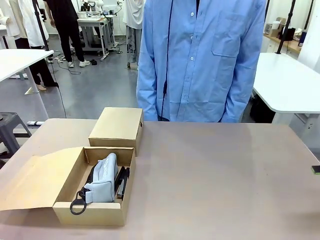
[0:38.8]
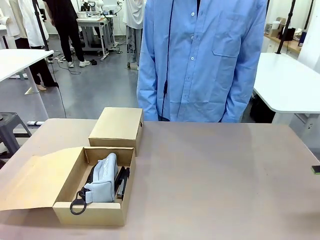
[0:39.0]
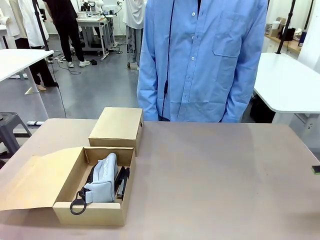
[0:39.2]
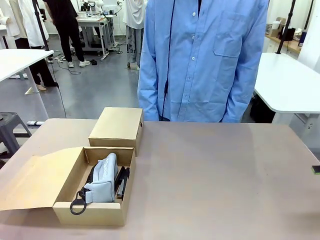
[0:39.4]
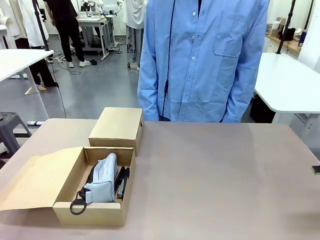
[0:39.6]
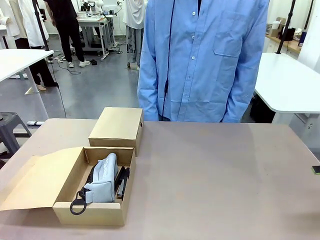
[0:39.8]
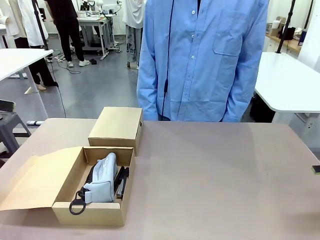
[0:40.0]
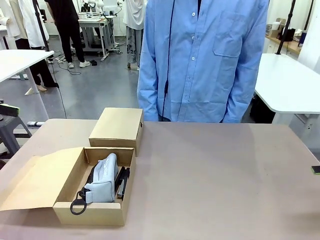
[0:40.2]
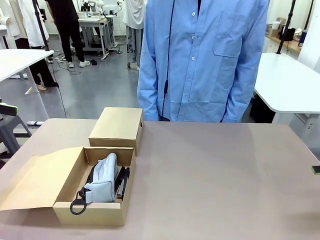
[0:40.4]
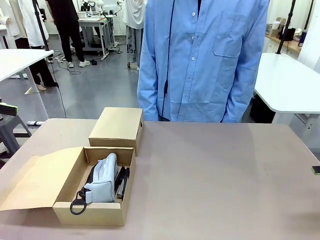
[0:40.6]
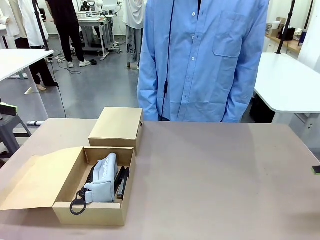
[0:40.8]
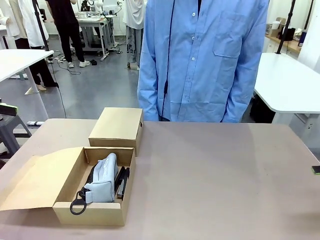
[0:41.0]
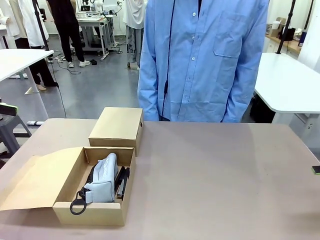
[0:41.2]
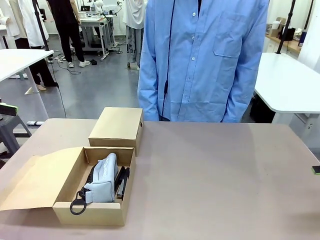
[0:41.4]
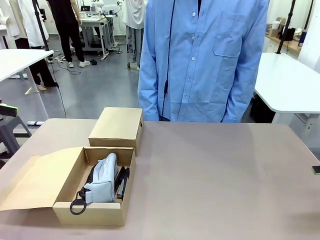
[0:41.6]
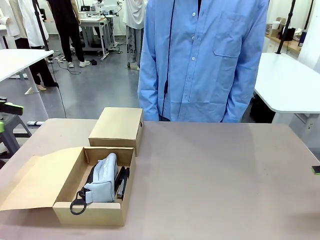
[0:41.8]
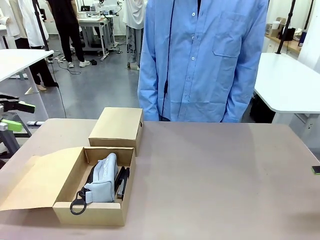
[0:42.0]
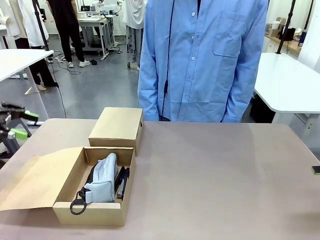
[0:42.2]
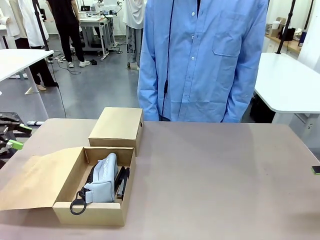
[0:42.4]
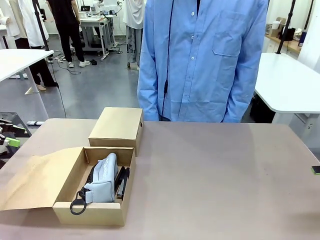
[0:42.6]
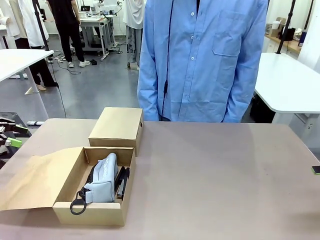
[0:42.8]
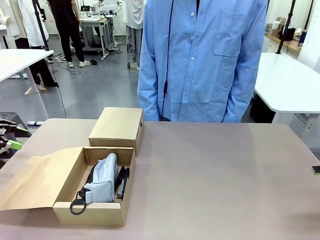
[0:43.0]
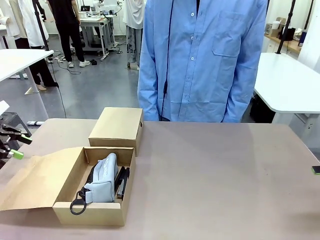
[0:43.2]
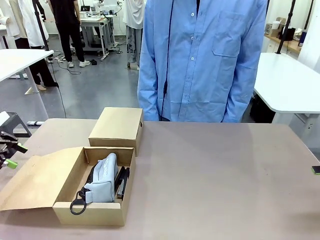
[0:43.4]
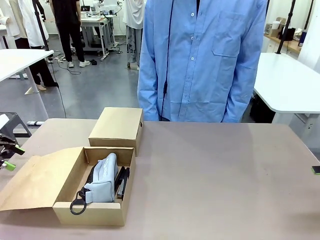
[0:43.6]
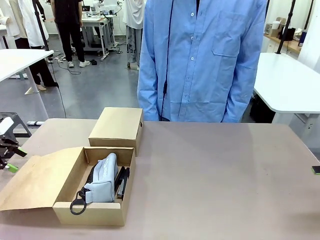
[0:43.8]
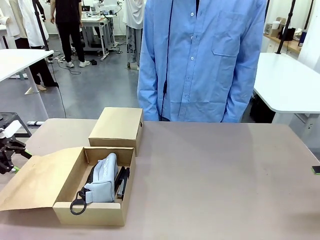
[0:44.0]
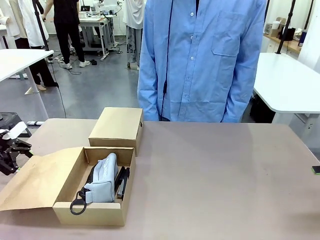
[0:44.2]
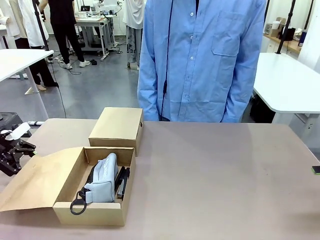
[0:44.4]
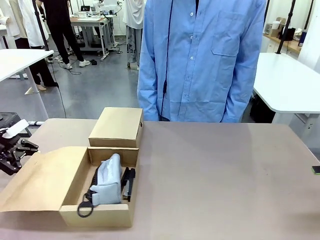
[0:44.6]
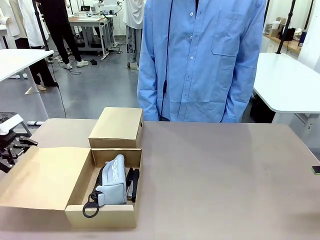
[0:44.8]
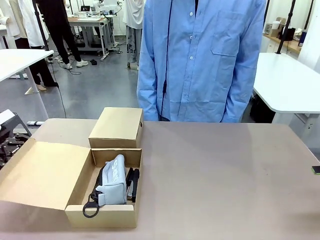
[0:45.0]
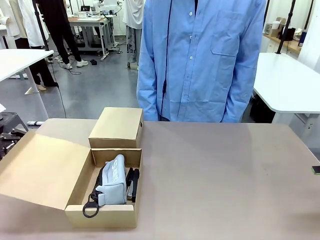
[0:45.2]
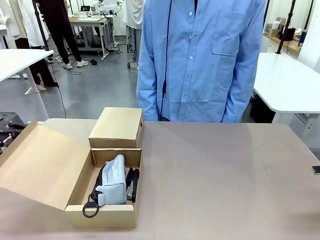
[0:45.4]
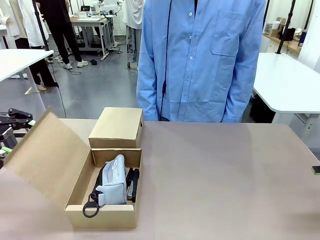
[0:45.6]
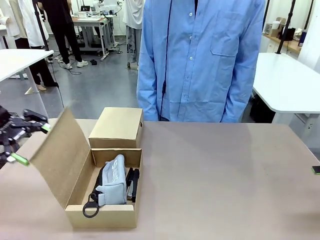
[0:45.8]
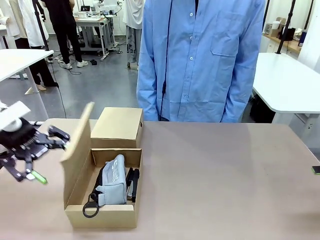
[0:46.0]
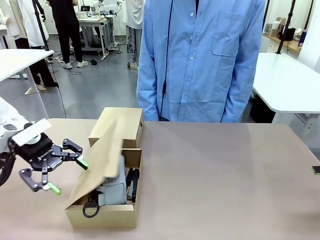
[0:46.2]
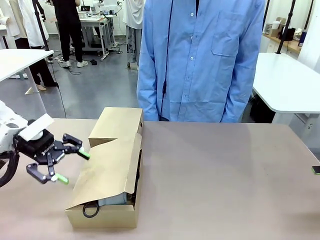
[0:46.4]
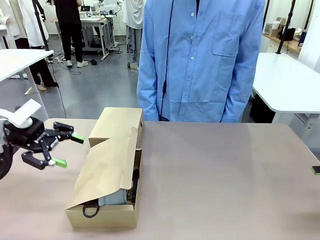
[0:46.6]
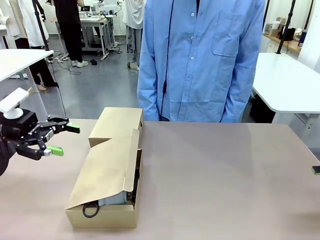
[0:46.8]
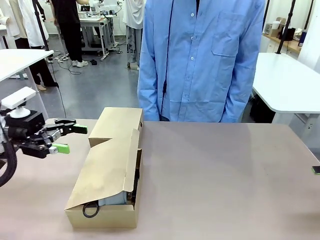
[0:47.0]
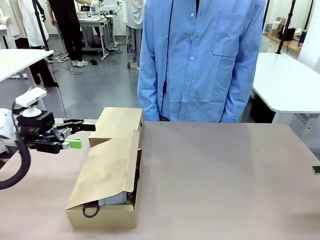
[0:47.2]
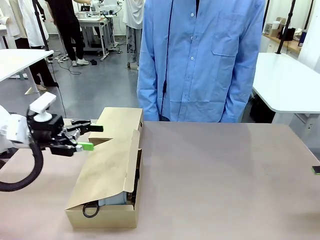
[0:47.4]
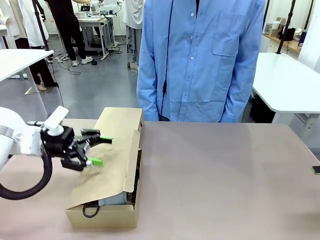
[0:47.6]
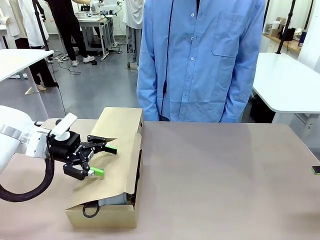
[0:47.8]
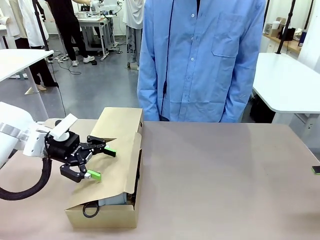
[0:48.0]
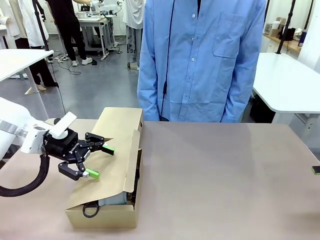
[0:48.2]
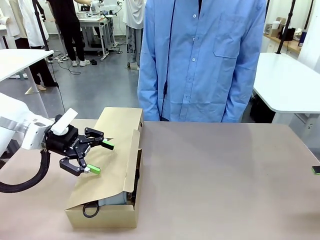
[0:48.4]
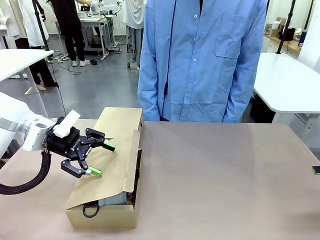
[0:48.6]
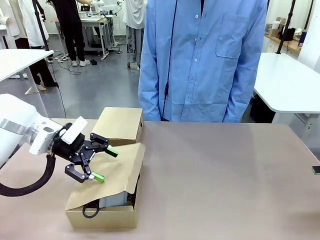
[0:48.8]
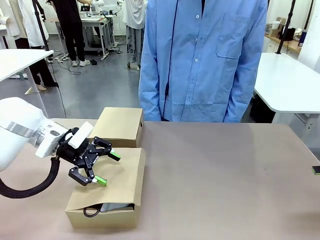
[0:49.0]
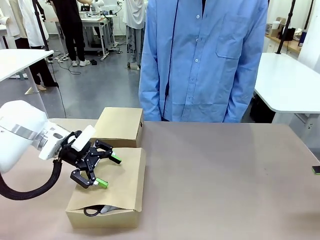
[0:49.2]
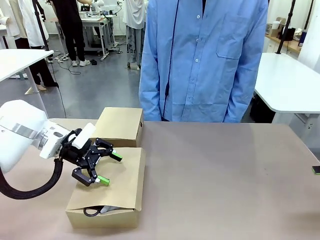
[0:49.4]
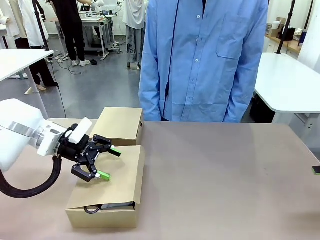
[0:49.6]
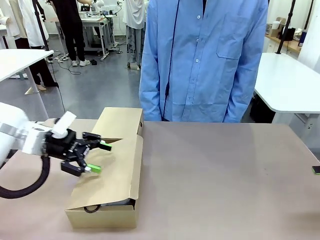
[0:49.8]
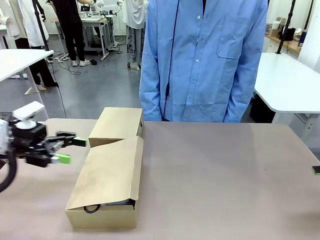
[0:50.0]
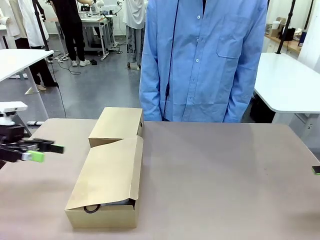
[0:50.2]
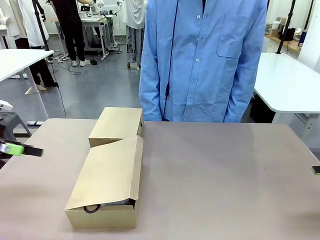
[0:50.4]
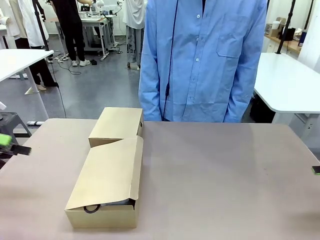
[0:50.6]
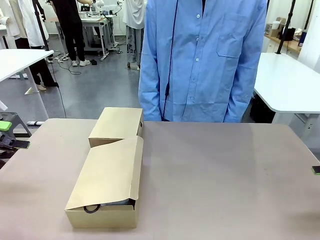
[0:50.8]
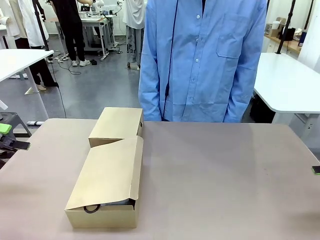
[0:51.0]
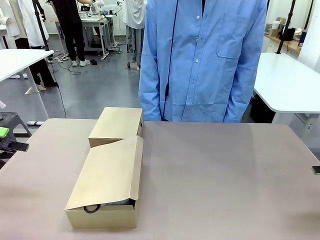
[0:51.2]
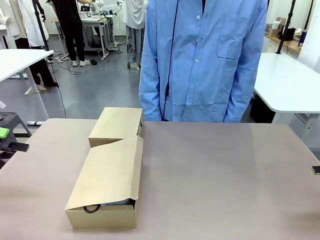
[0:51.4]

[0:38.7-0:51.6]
Task: Place items inside the box.
Robot: Close the lid of the Mailer Box closest to the robot.
Person: Close the lid of the box facing the person.

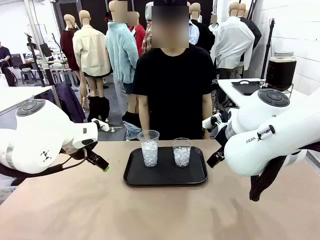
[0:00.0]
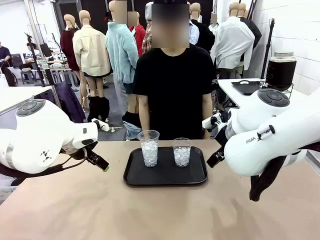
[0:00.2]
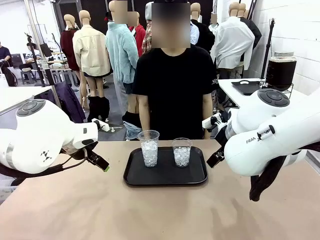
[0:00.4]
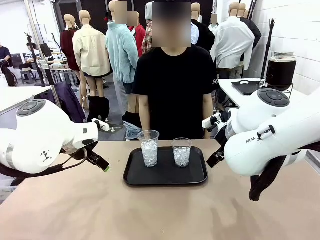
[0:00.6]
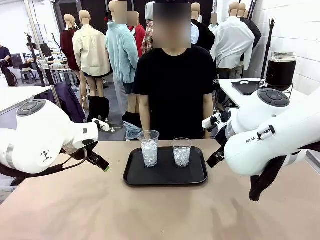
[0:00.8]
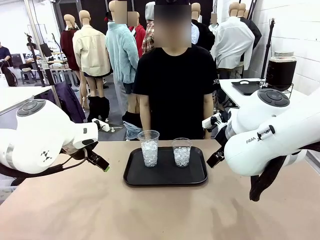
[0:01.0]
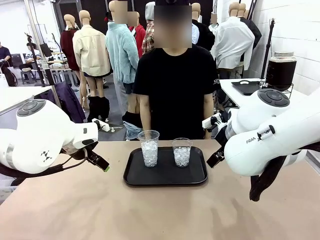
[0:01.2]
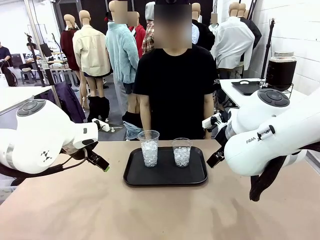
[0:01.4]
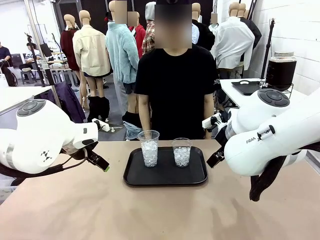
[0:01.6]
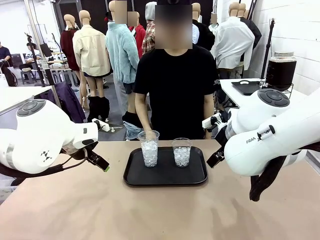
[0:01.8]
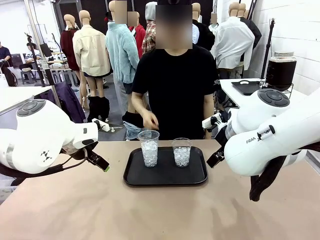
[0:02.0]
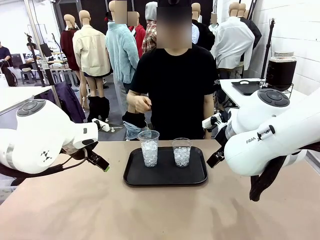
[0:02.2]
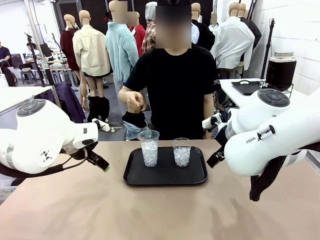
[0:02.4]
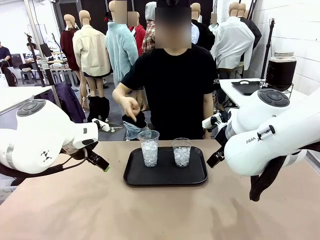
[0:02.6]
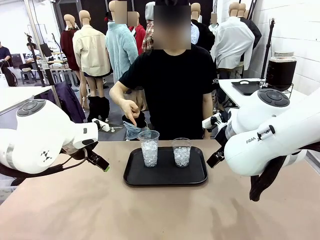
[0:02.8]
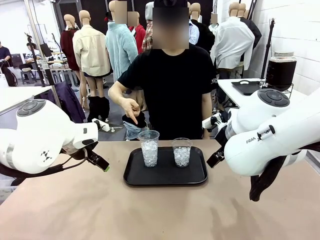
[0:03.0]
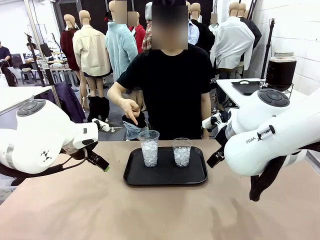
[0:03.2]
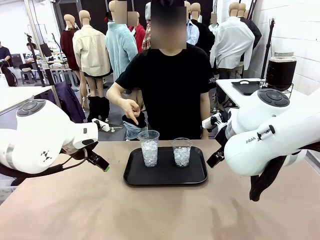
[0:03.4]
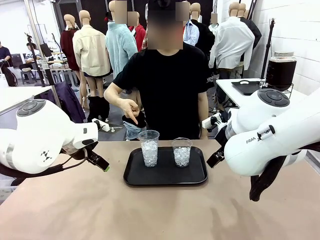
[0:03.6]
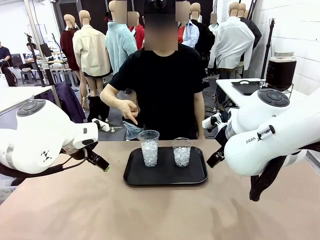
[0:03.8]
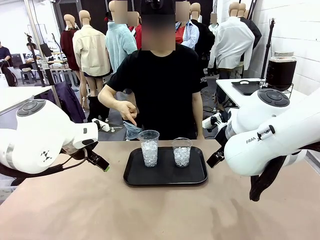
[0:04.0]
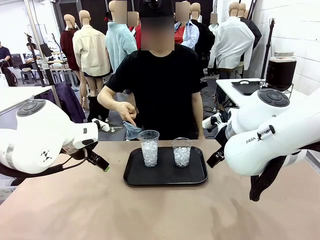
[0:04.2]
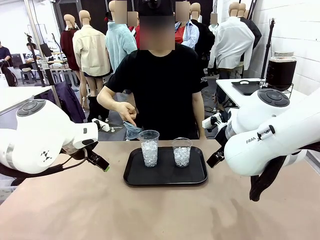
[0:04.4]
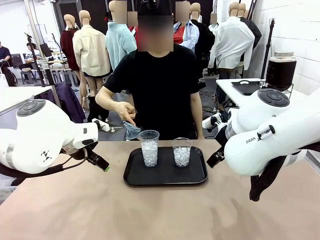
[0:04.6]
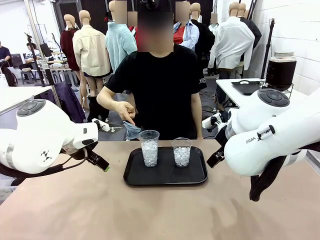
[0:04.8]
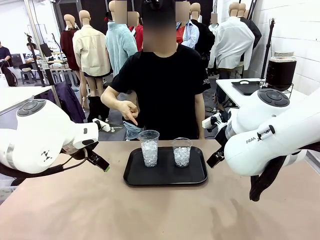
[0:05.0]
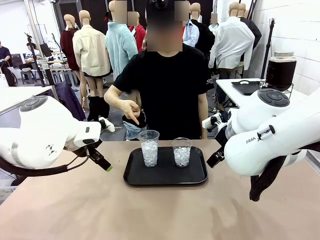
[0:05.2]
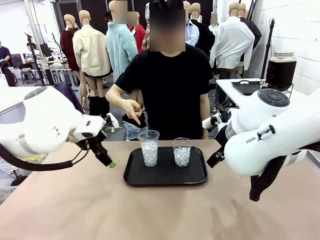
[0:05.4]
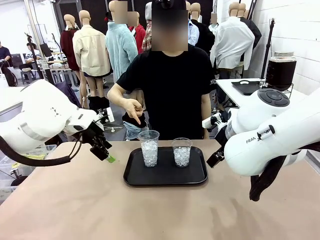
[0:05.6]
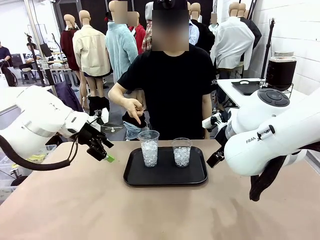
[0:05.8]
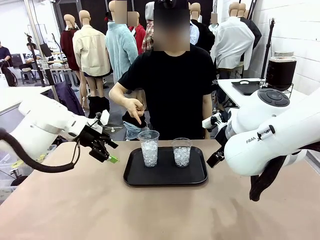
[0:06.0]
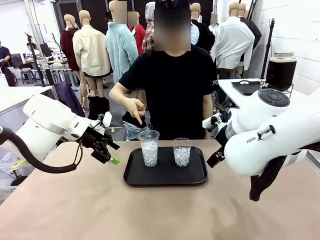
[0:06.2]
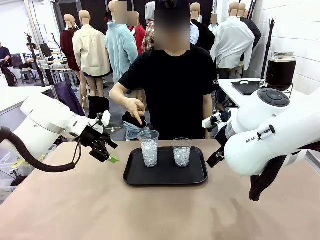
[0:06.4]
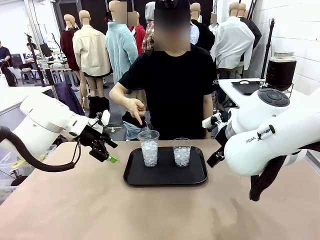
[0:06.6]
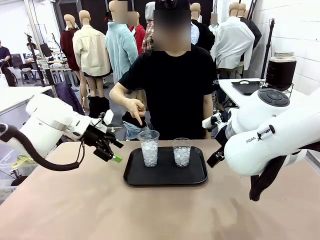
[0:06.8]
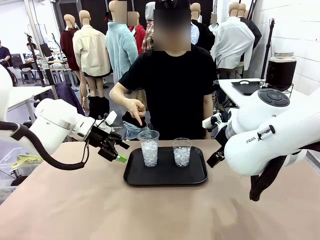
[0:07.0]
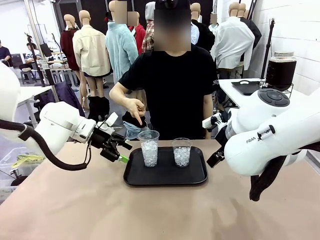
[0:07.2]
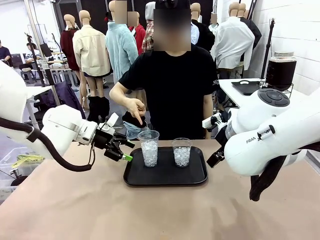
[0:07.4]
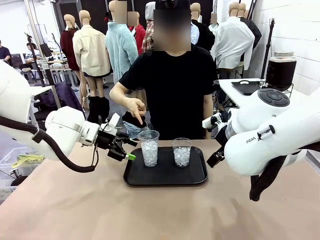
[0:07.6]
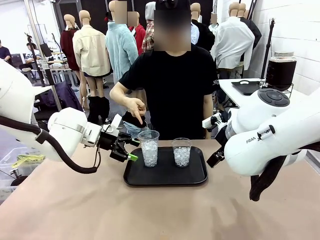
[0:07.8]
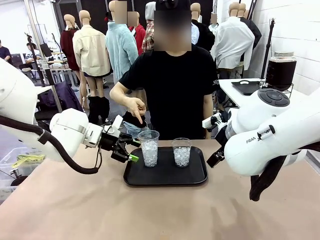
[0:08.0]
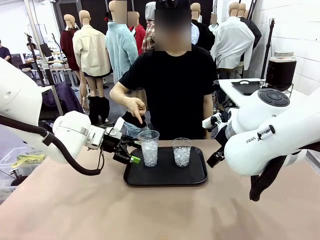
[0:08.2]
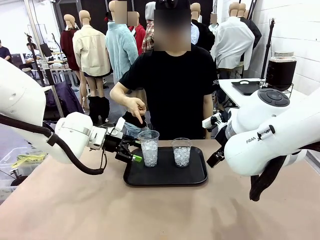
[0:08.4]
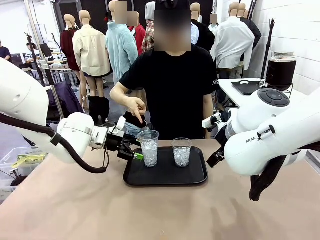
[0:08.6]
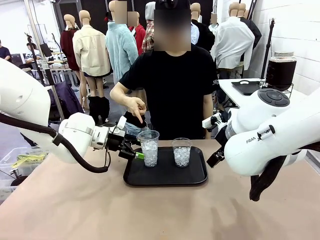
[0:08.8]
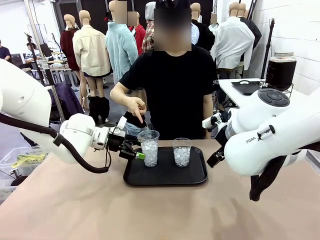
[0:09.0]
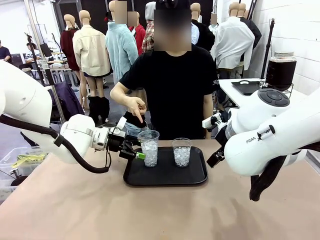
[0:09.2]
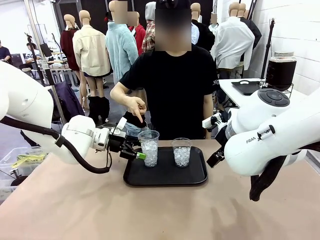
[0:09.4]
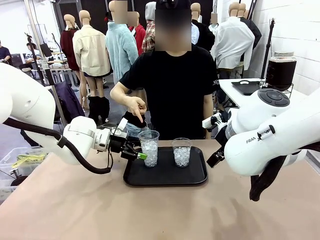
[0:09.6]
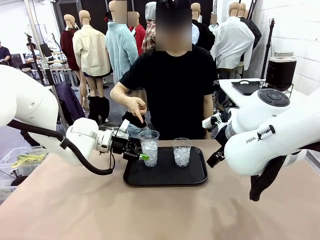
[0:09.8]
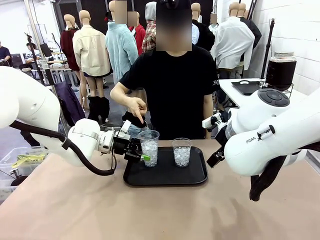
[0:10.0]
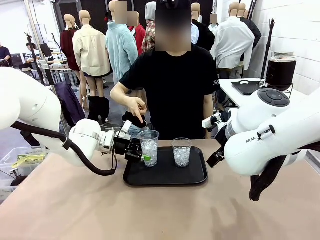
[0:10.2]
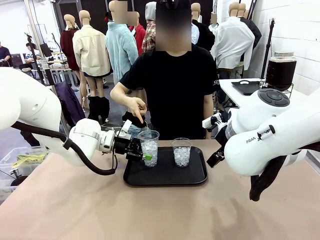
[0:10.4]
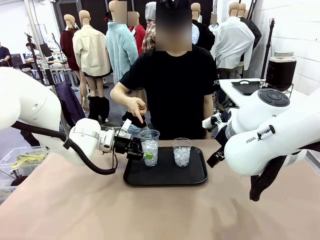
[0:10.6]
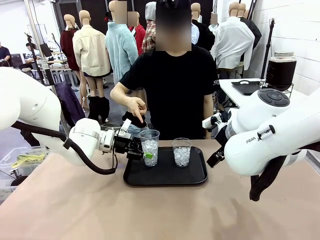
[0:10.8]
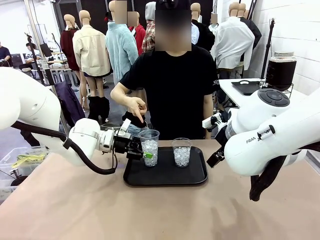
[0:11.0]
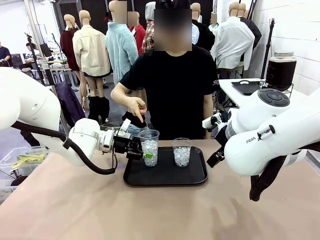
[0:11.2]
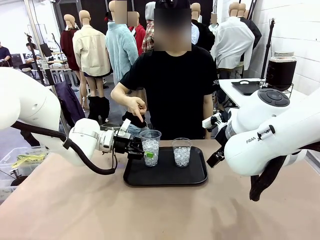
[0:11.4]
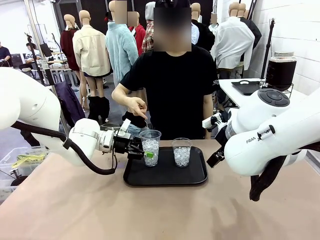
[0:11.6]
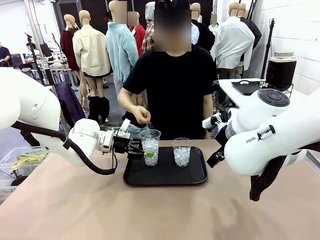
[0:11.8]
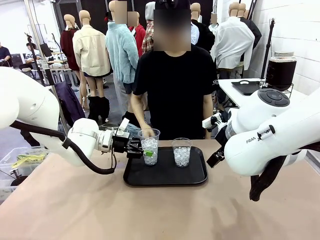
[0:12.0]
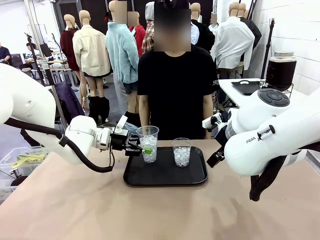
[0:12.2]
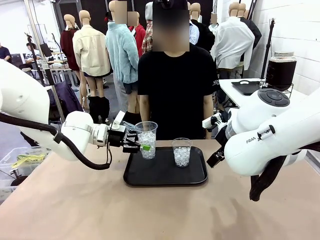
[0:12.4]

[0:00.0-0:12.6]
Task: Pour the drink into the iced cup.
Robot: Pick up the iced cup indicated by the human and present it to them.
Person: Point to one of the two ice cups. Pick up the cup offered by the robot.
